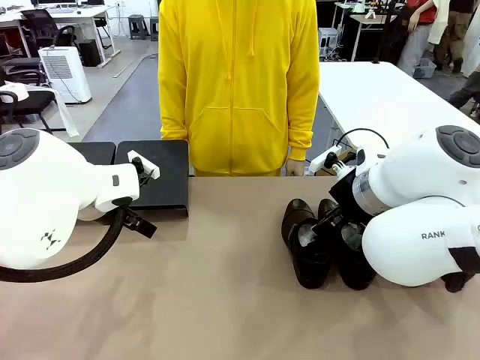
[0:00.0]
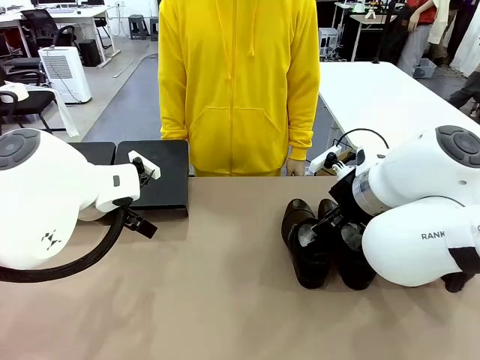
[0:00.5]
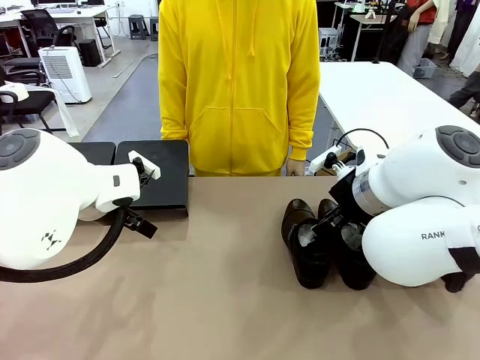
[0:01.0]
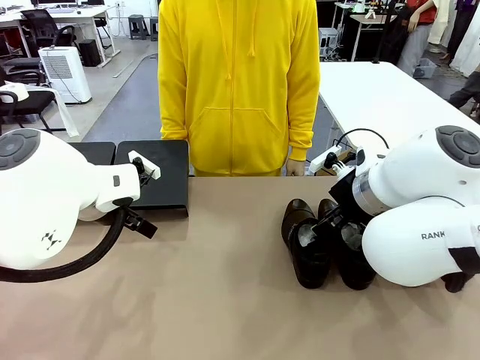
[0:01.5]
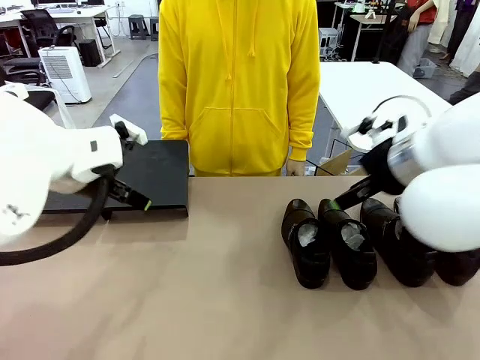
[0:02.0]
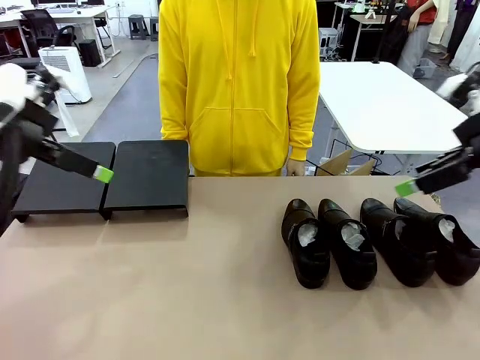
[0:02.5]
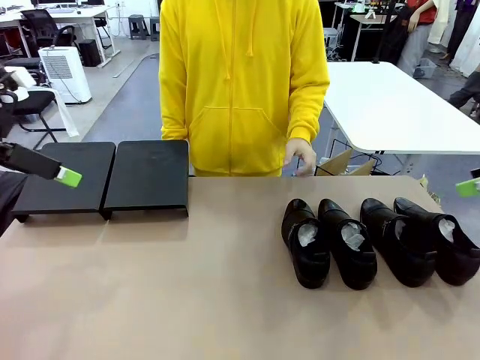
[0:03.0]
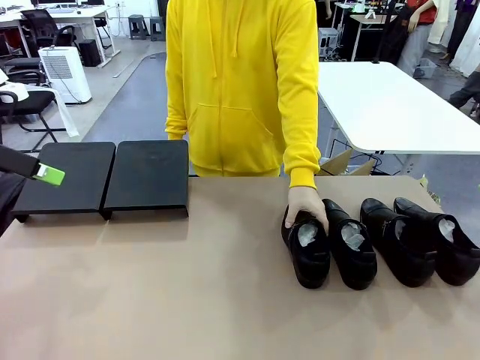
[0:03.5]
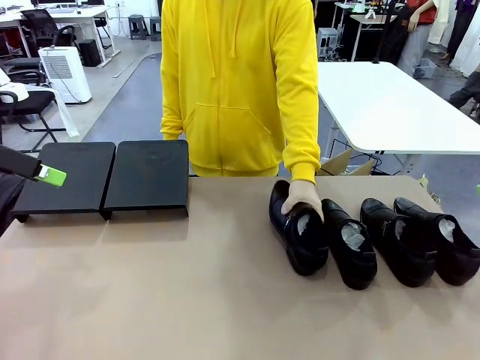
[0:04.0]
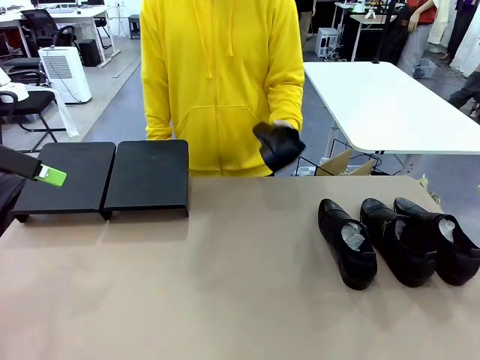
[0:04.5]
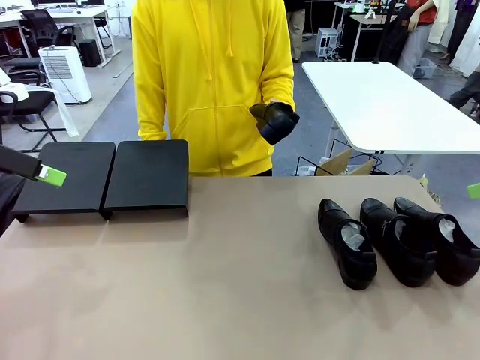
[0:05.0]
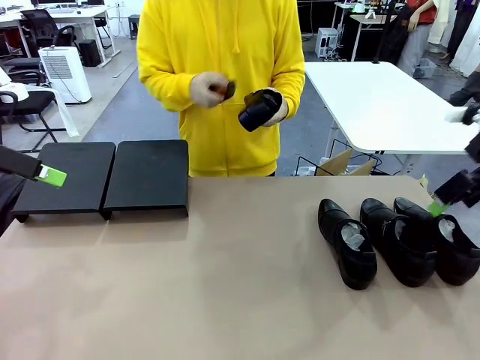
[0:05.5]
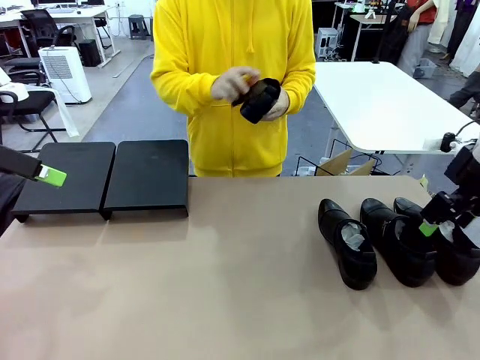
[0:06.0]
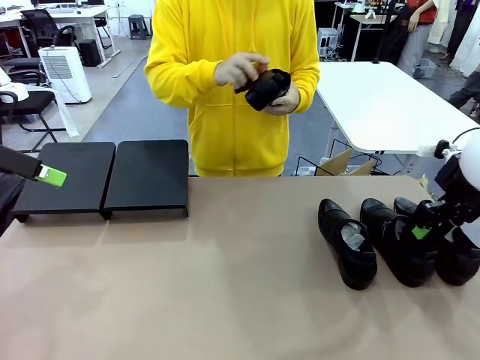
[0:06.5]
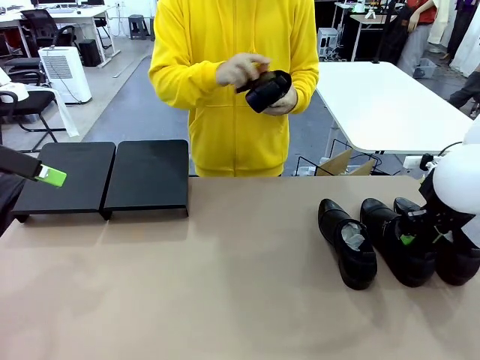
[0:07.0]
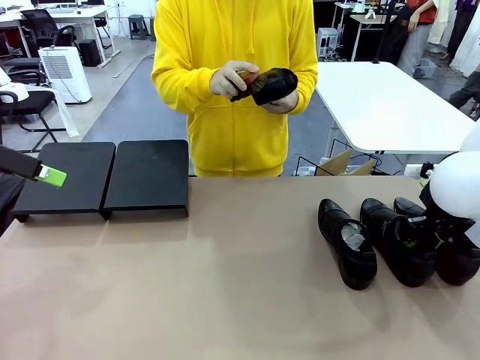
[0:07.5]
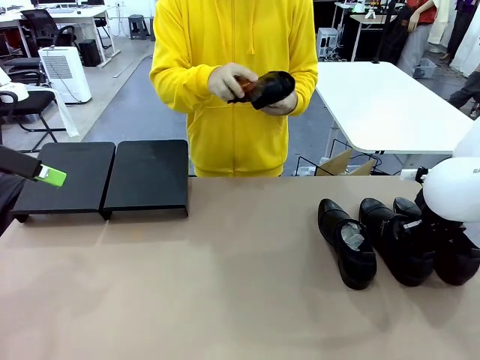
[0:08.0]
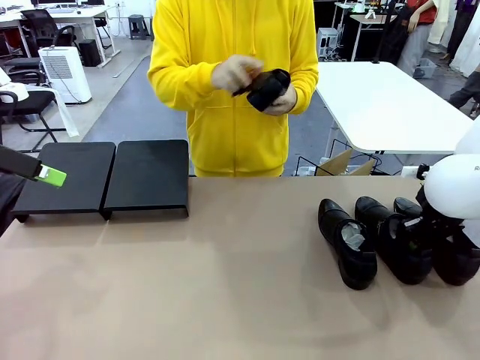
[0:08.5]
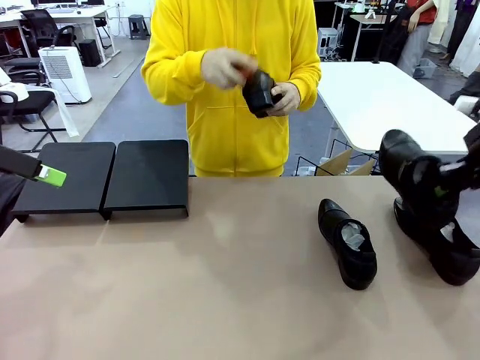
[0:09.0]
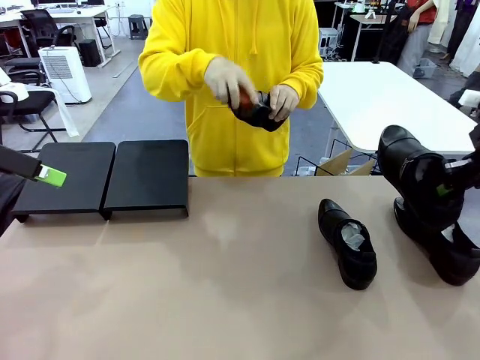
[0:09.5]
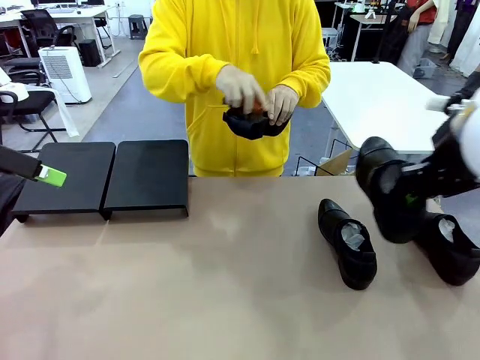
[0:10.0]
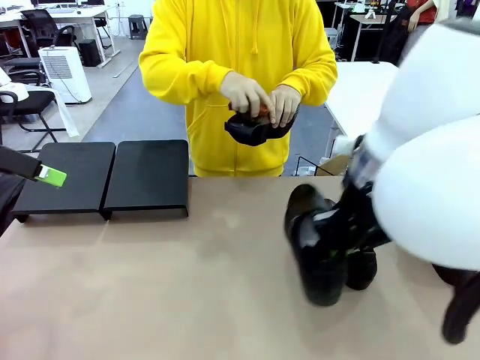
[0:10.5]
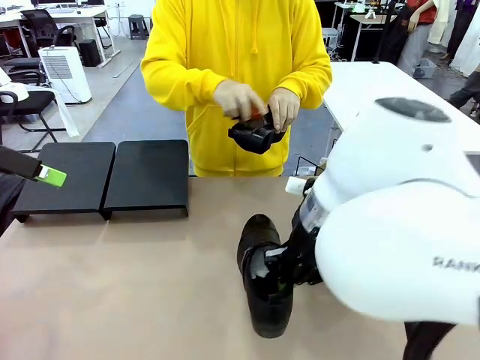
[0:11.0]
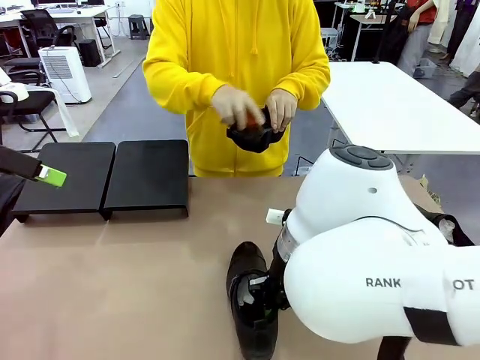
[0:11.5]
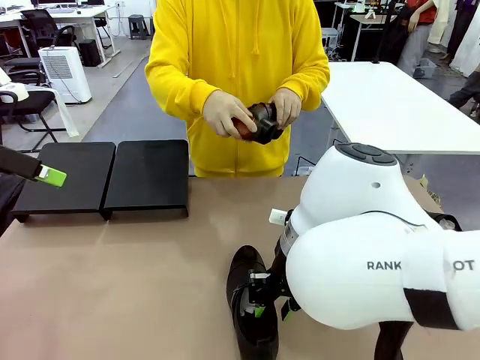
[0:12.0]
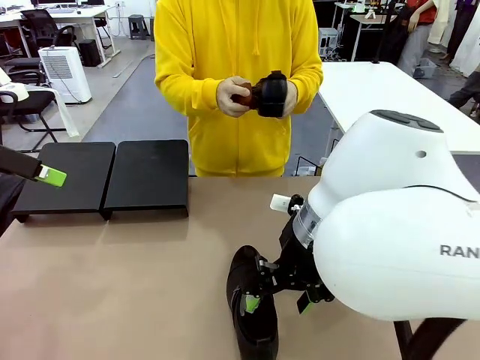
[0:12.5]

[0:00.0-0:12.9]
Task: Organize the shoes by placing them on the stand.
Robot: Pick up one Shoe and place it in the middle of the table.
Person: Pick one Shoe on Robot's table.

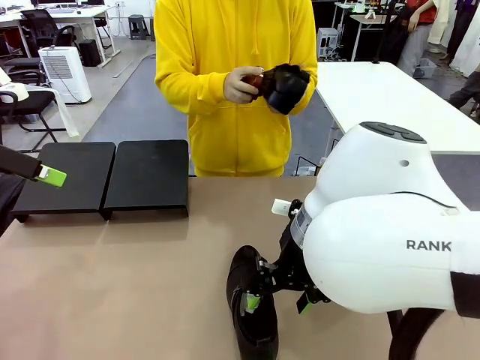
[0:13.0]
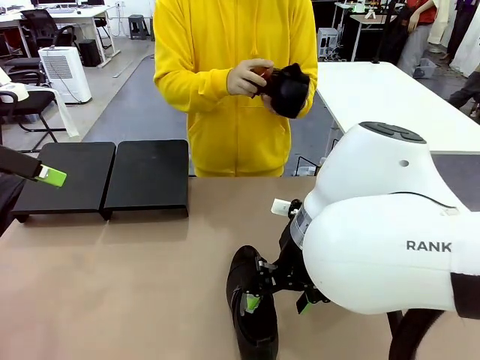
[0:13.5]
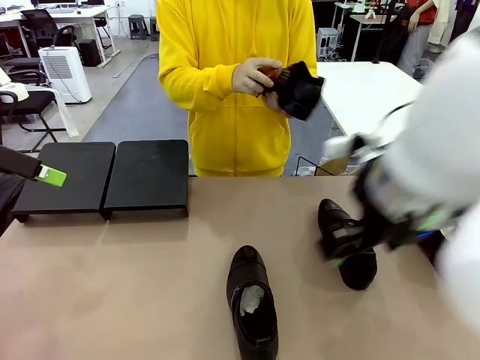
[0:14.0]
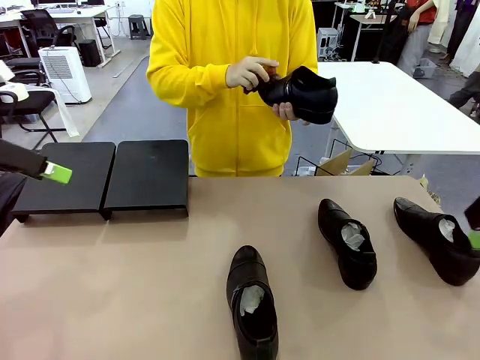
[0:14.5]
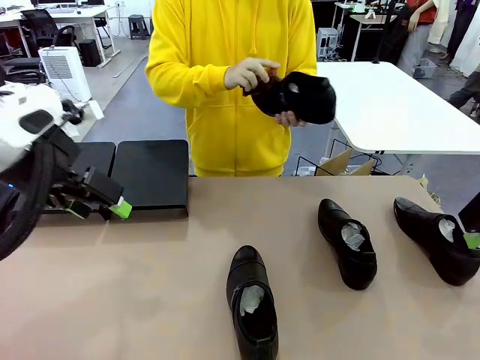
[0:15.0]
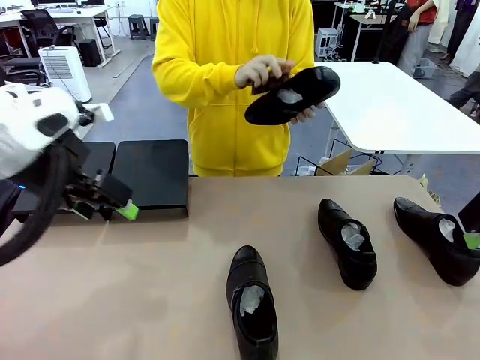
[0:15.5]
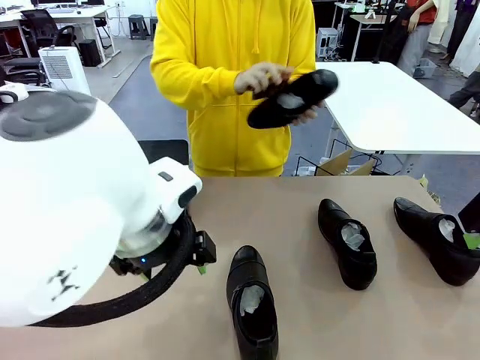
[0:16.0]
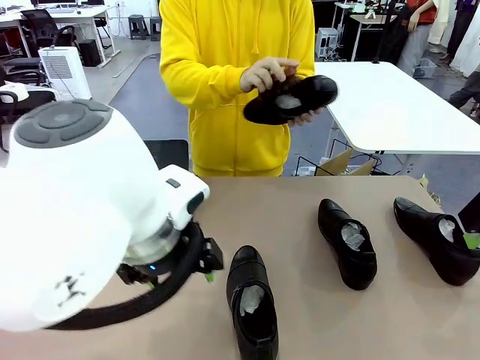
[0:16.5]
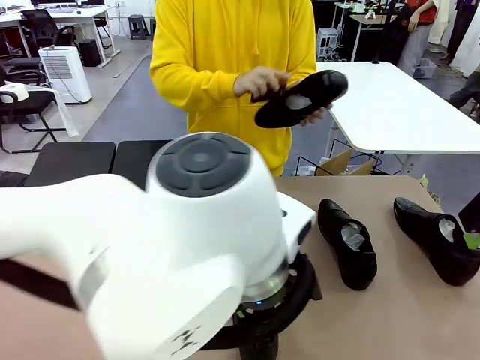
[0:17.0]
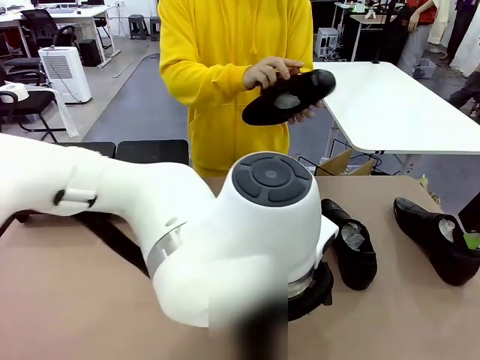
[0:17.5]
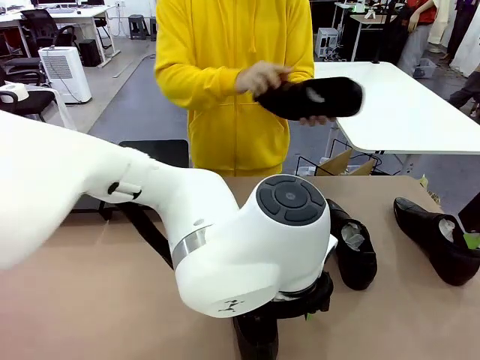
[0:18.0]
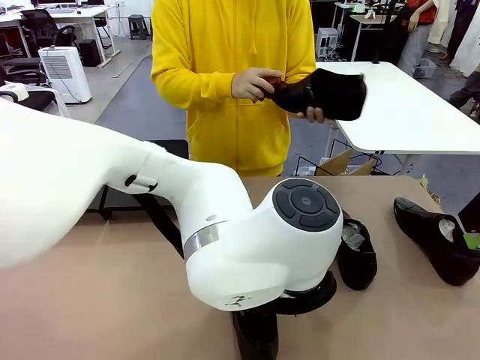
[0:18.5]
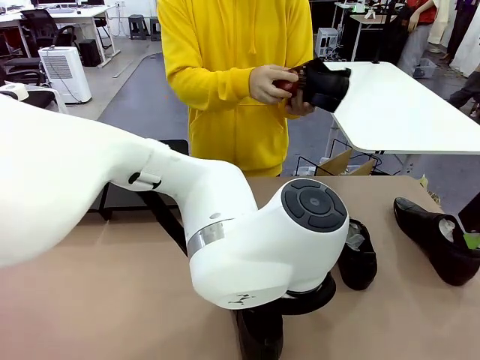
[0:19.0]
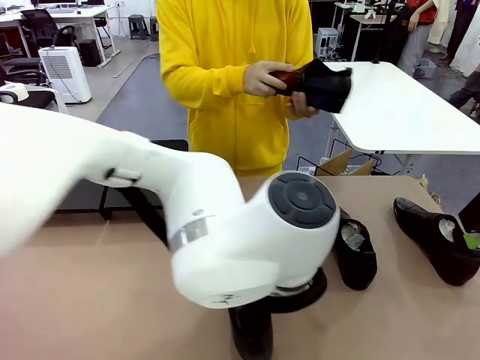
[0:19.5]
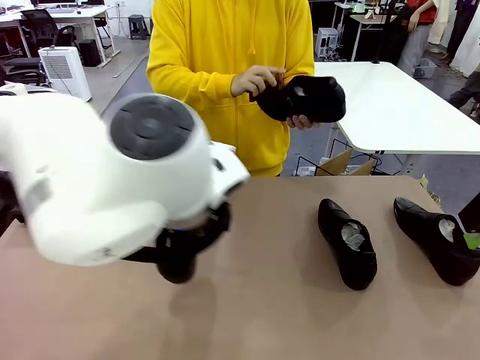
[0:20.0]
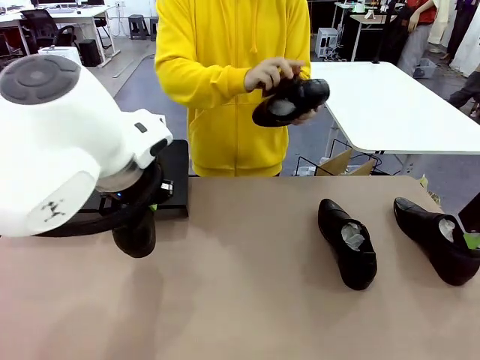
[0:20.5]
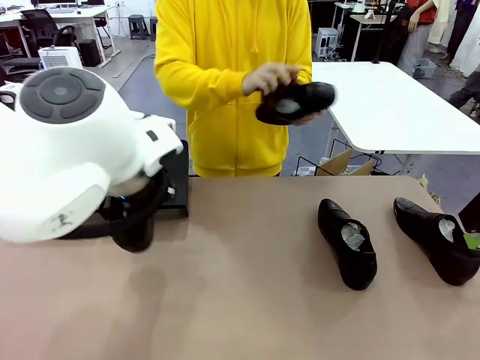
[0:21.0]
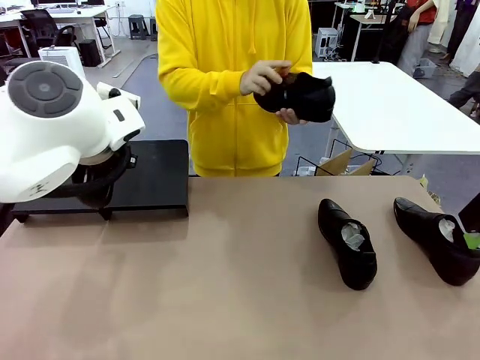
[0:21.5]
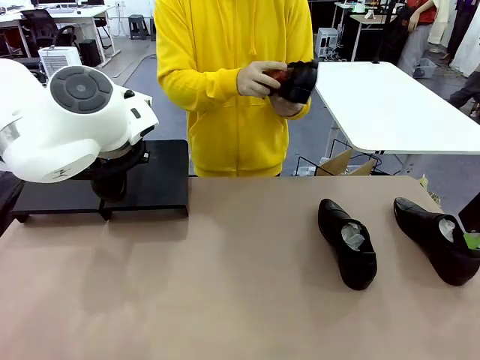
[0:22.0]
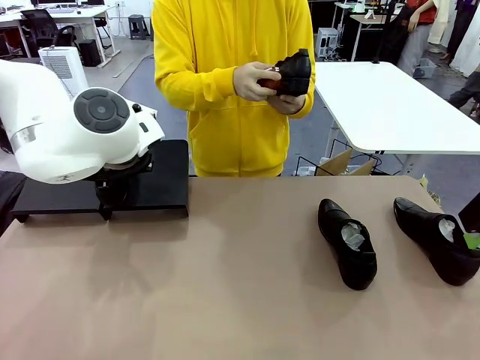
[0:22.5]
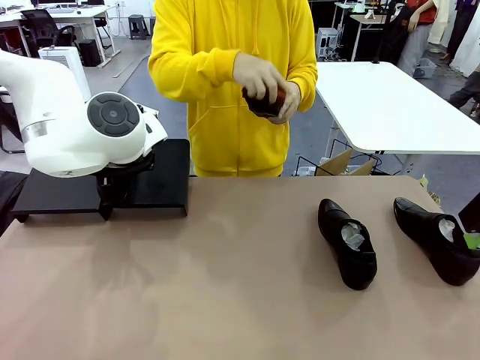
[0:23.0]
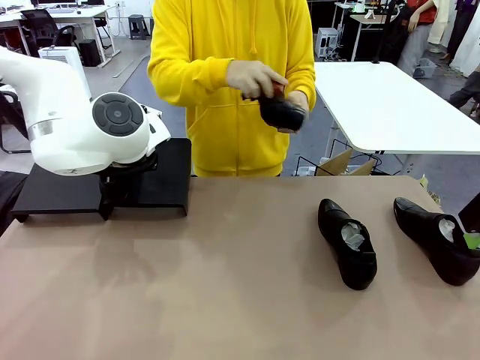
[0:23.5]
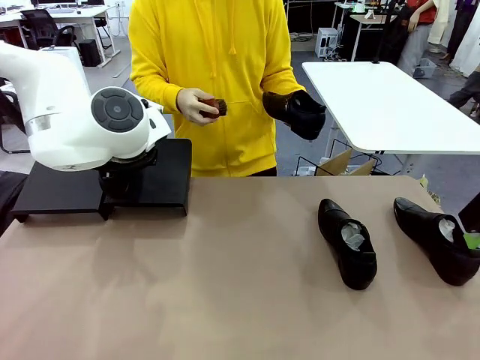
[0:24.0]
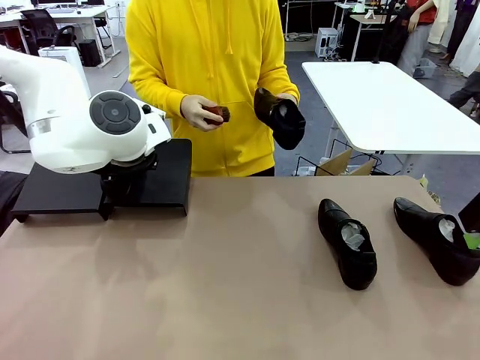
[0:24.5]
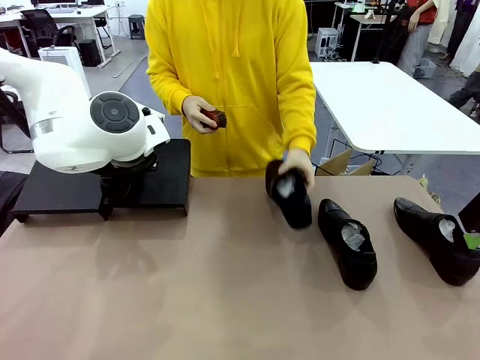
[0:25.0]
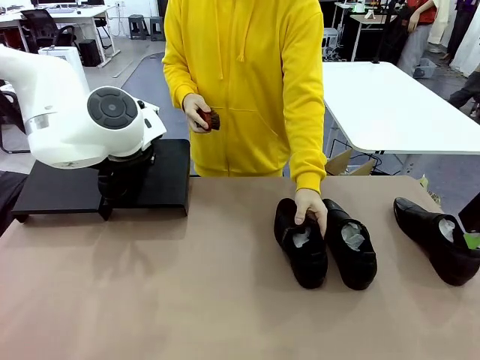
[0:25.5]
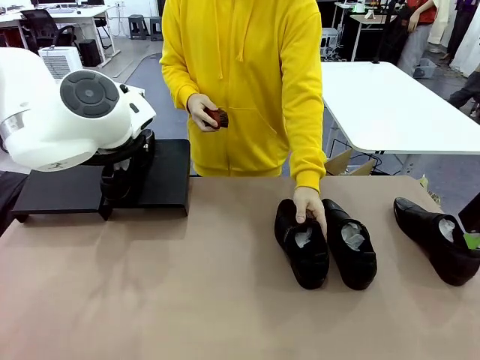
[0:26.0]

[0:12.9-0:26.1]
Robot: Place the Shoe from the middle of the table onto the Shoes Stand.
Person: Clean the Shoe with the Shoe Brush. Place the Shoe on left side of the Robot's table.
